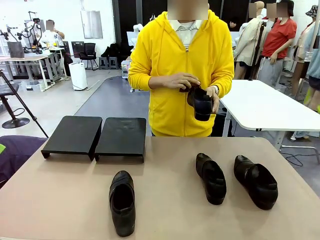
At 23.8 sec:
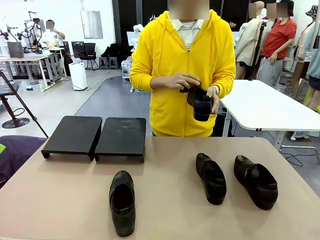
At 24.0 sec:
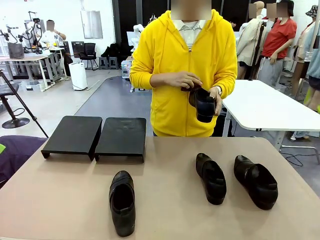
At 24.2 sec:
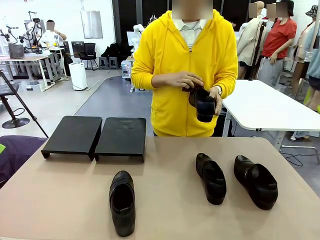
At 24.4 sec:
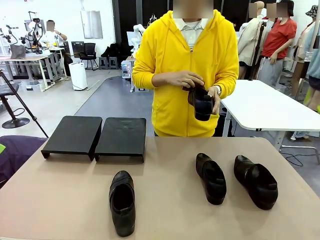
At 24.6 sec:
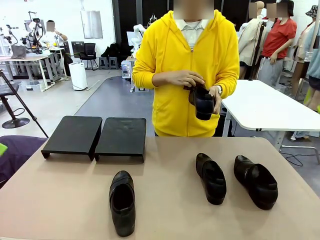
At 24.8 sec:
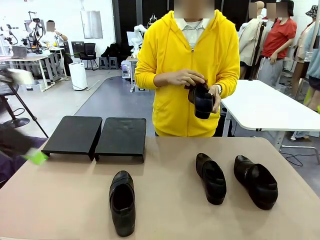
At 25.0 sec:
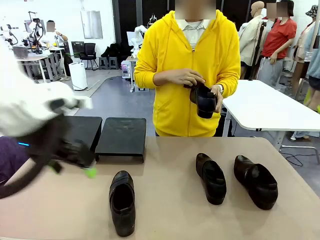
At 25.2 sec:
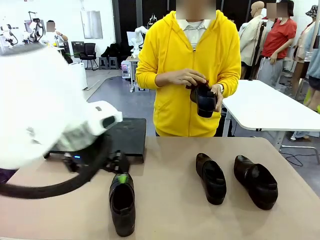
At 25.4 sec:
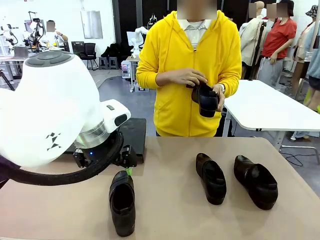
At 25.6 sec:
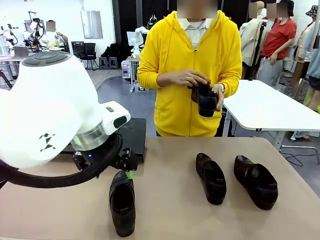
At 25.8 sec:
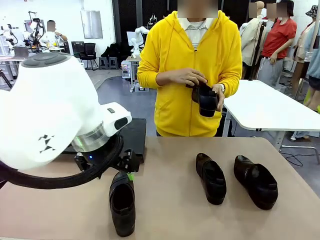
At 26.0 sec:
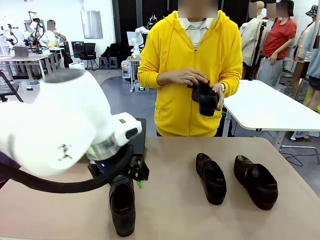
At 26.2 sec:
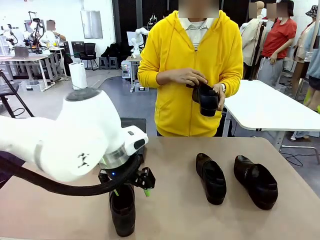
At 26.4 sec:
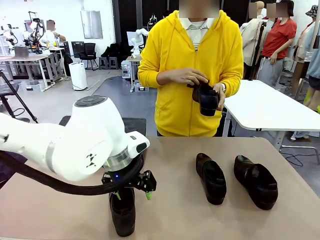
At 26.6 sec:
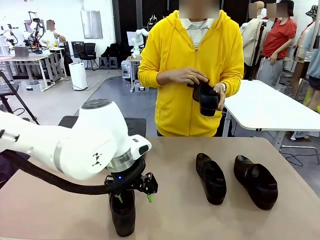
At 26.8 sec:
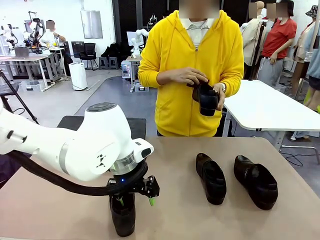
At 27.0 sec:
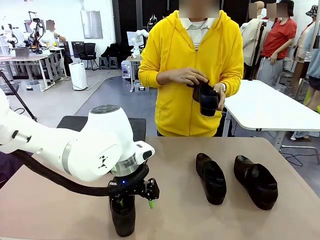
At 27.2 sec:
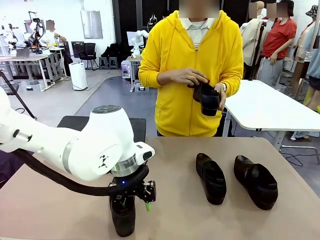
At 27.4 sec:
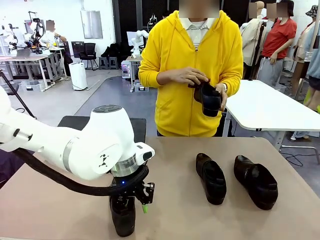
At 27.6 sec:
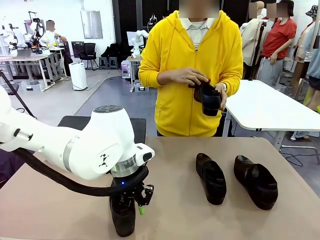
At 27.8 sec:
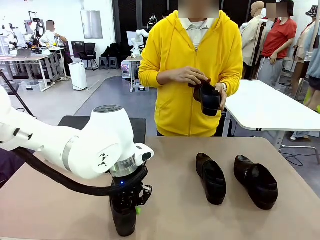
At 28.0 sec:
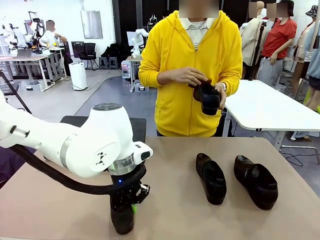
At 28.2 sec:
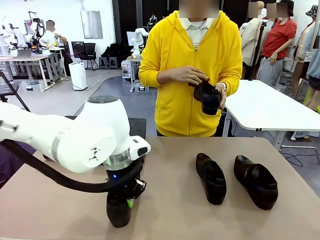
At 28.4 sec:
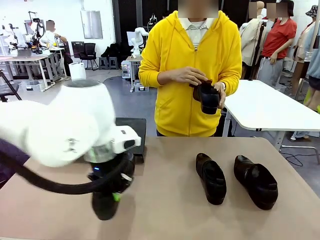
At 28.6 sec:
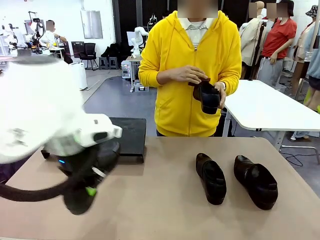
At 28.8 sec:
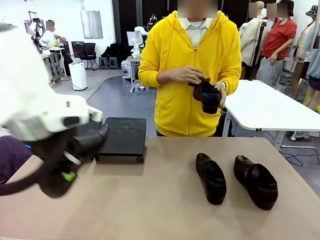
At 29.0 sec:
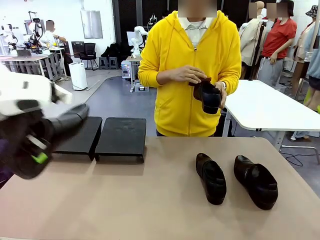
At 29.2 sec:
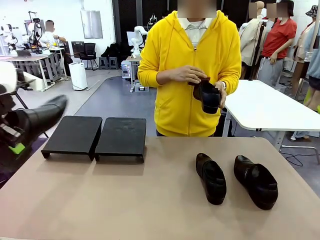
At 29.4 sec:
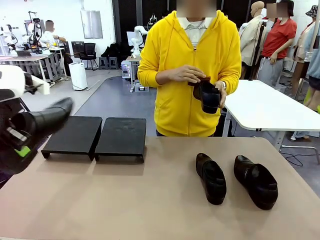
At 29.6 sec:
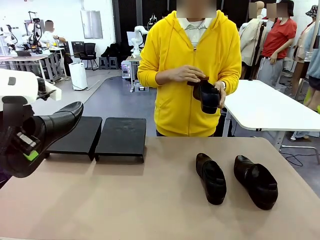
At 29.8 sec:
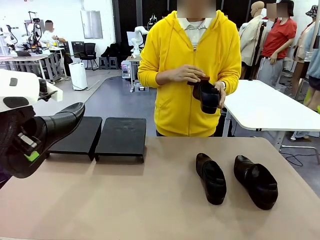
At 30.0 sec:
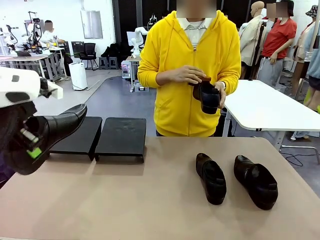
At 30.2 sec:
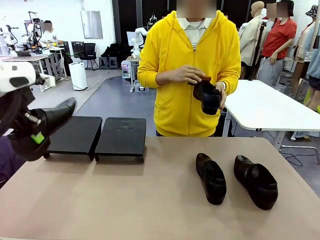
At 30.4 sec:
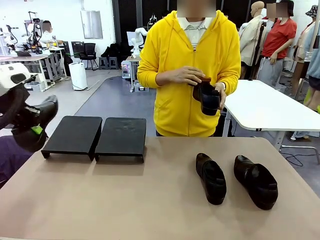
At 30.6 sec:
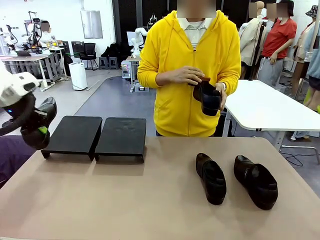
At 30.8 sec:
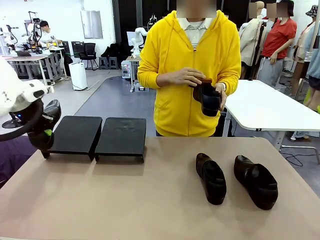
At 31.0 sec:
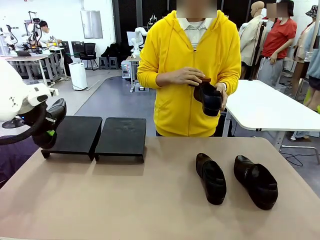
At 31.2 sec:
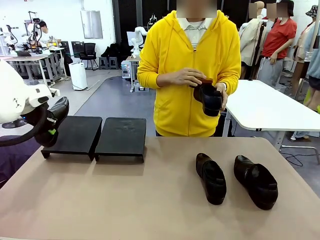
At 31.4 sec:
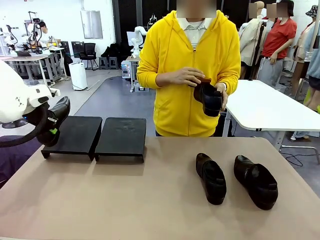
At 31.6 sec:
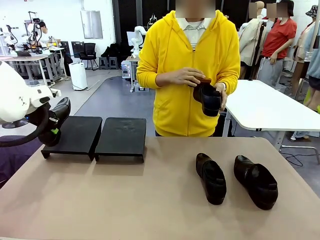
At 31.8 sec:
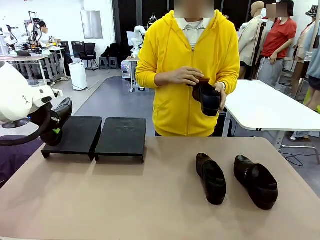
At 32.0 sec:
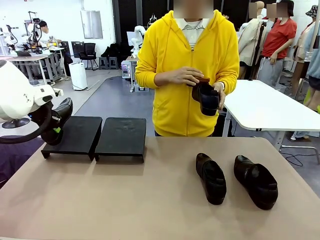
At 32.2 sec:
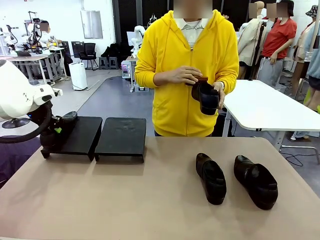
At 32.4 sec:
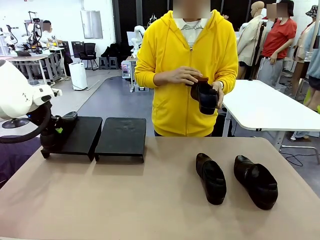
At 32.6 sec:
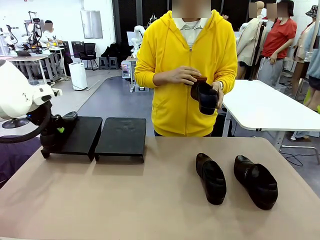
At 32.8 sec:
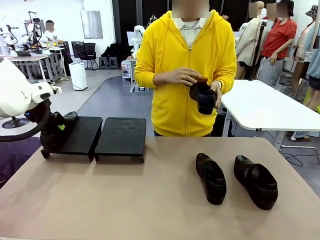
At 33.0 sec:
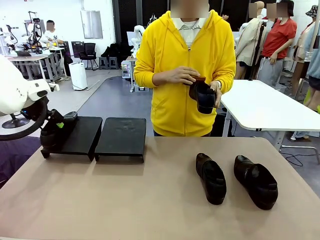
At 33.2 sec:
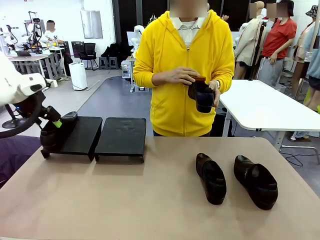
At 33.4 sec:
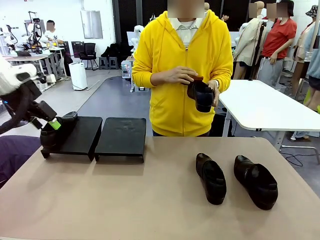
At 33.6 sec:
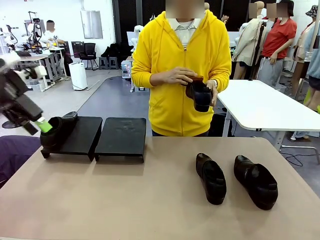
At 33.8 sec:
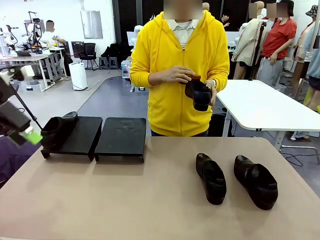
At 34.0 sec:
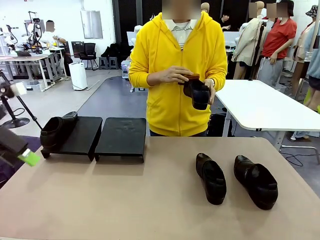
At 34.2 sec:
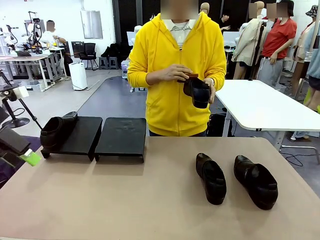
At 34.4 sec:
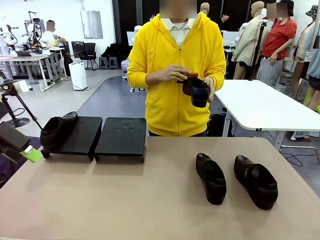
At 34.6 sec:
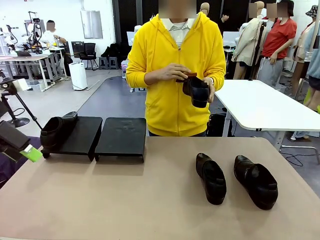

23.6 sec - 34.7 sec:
Task: Organize the shoes by placing them on the stand.
Robot: Place the Shoe from the middle of the table onto the Shoes Stand.
Person: Clean the Shoe with the Shoe Brush.

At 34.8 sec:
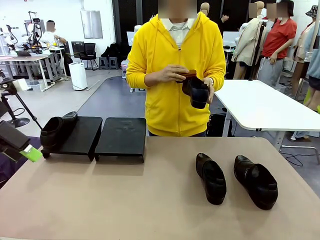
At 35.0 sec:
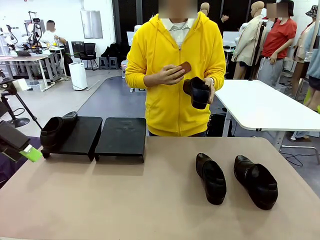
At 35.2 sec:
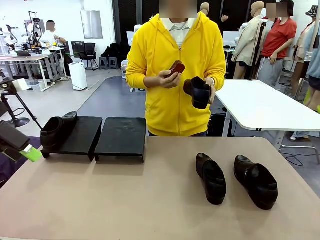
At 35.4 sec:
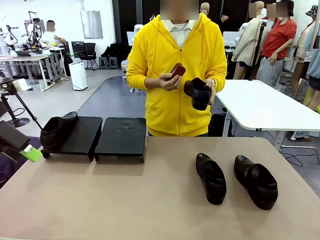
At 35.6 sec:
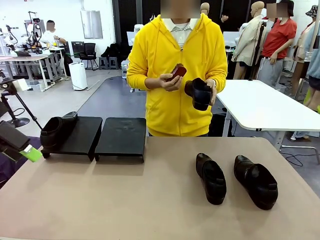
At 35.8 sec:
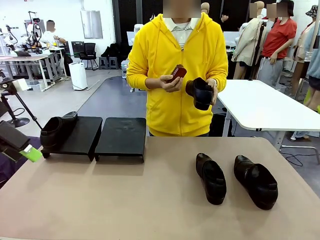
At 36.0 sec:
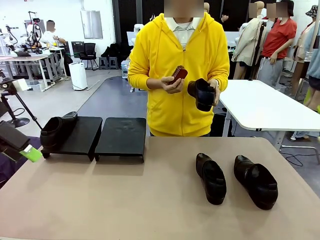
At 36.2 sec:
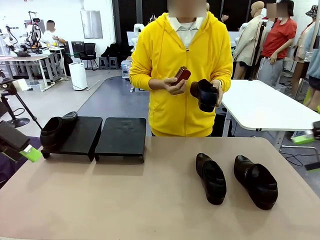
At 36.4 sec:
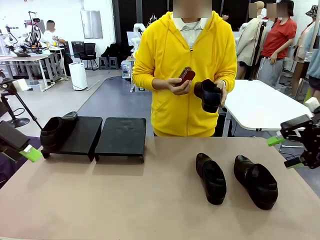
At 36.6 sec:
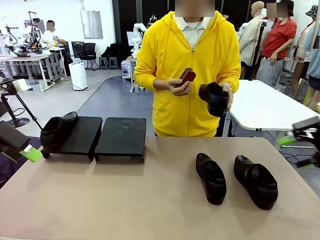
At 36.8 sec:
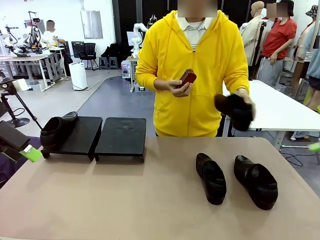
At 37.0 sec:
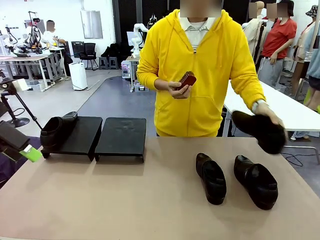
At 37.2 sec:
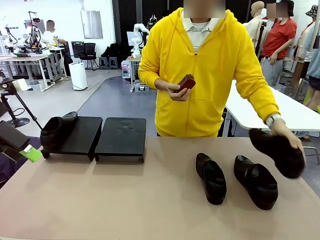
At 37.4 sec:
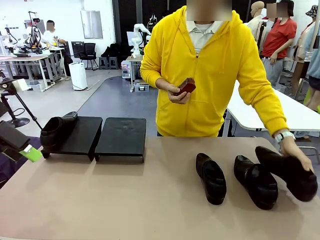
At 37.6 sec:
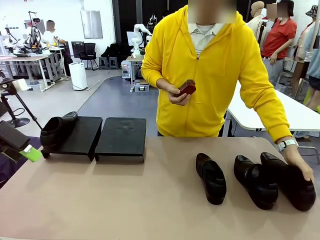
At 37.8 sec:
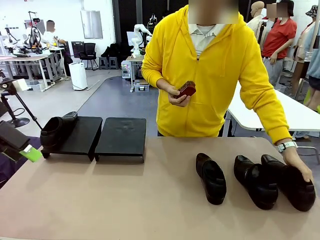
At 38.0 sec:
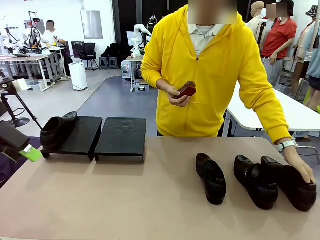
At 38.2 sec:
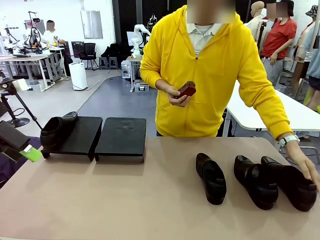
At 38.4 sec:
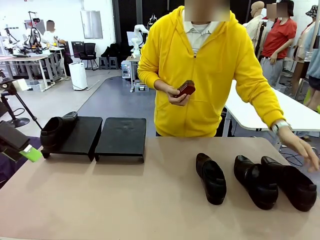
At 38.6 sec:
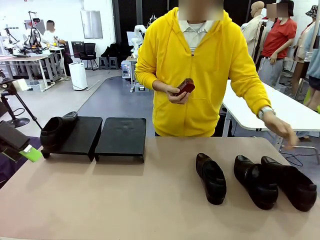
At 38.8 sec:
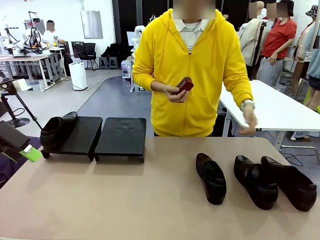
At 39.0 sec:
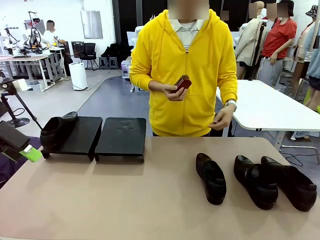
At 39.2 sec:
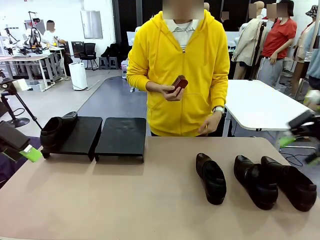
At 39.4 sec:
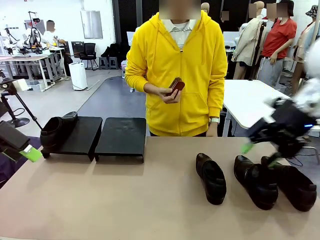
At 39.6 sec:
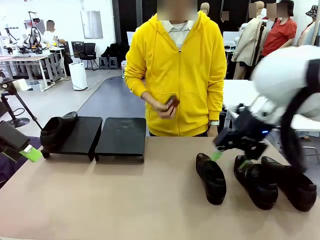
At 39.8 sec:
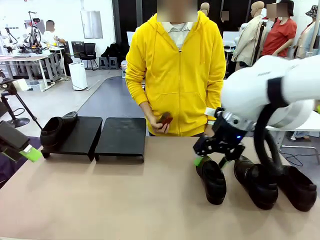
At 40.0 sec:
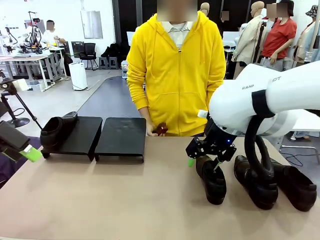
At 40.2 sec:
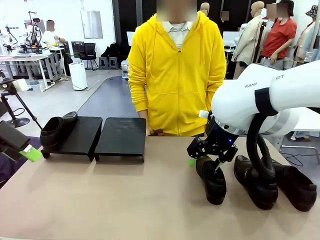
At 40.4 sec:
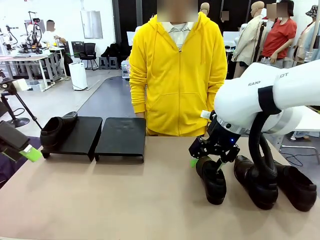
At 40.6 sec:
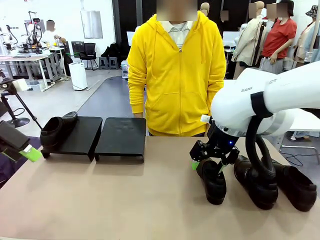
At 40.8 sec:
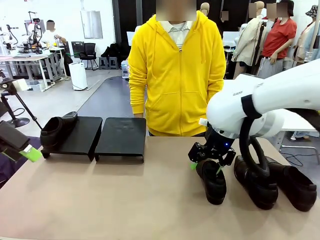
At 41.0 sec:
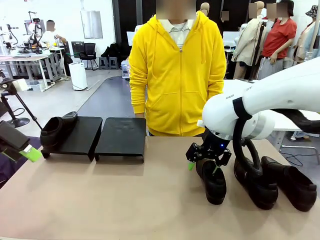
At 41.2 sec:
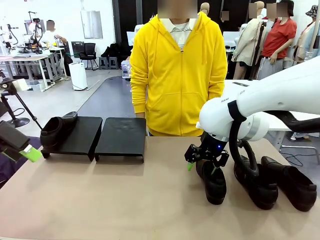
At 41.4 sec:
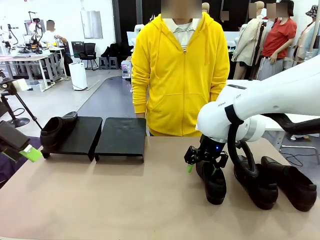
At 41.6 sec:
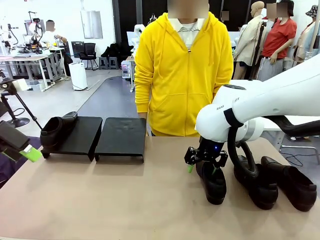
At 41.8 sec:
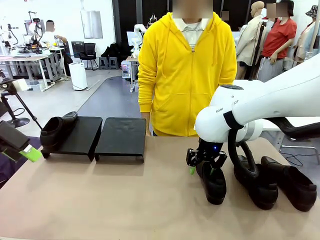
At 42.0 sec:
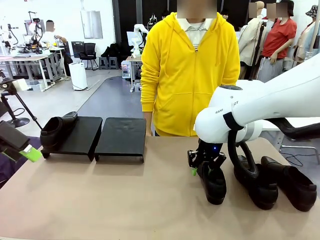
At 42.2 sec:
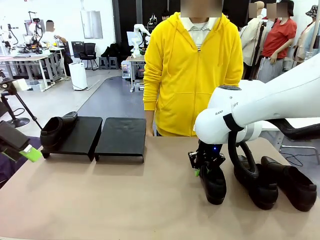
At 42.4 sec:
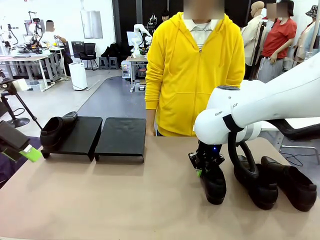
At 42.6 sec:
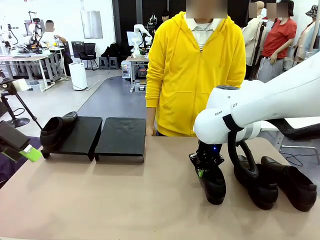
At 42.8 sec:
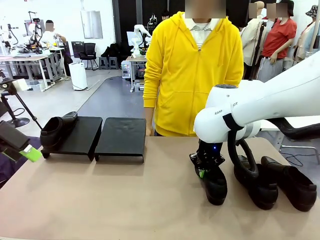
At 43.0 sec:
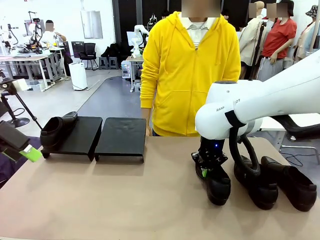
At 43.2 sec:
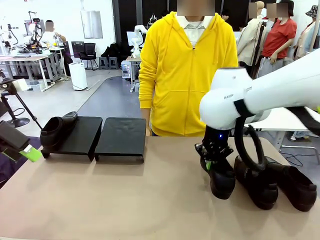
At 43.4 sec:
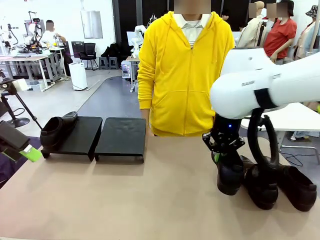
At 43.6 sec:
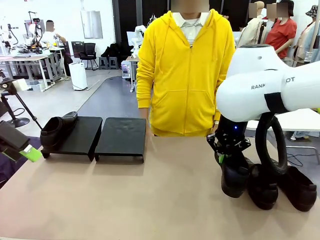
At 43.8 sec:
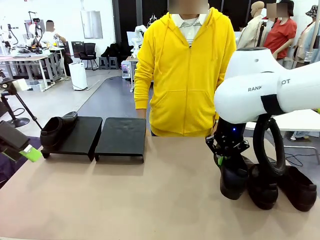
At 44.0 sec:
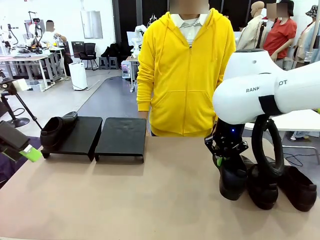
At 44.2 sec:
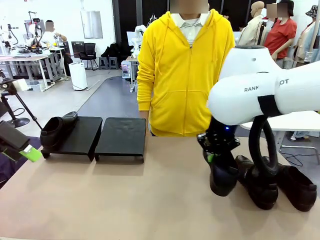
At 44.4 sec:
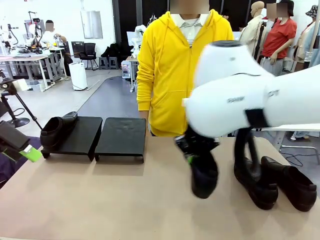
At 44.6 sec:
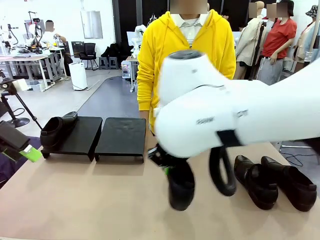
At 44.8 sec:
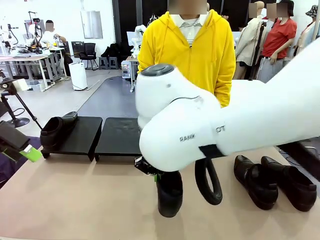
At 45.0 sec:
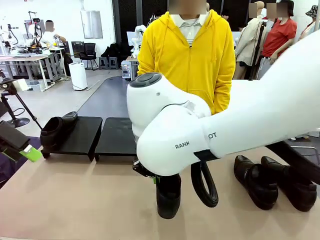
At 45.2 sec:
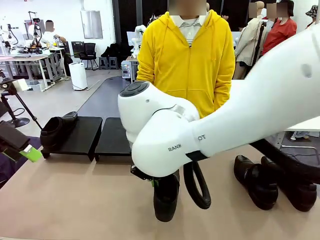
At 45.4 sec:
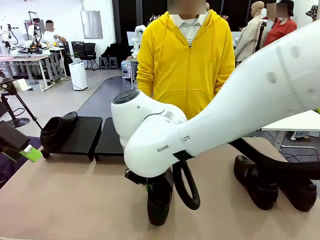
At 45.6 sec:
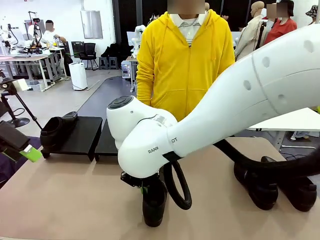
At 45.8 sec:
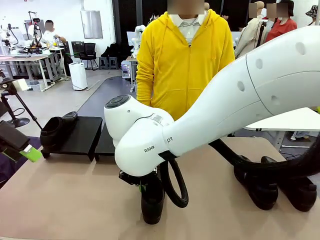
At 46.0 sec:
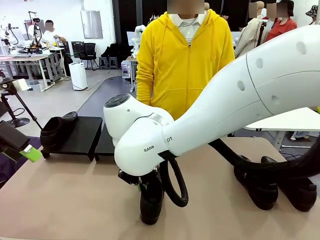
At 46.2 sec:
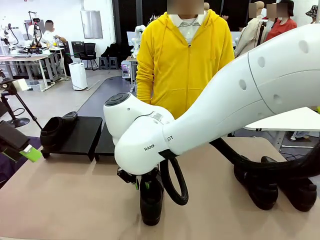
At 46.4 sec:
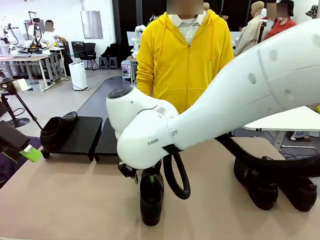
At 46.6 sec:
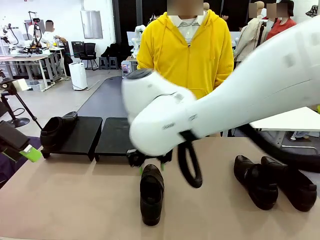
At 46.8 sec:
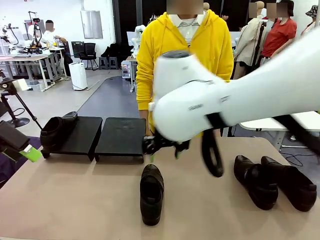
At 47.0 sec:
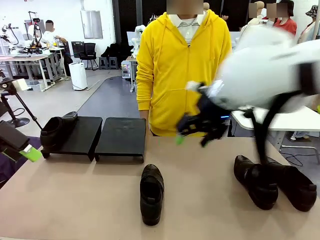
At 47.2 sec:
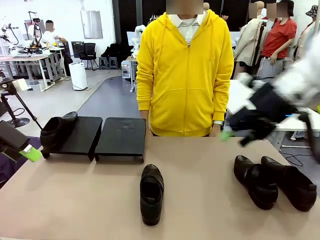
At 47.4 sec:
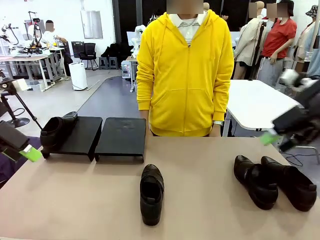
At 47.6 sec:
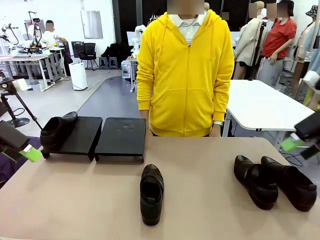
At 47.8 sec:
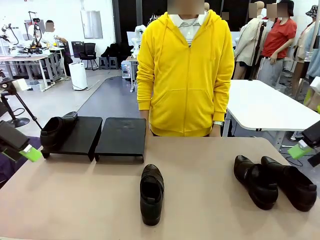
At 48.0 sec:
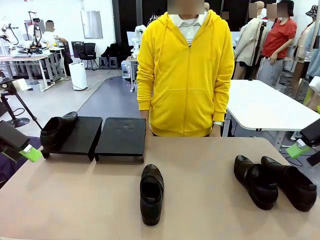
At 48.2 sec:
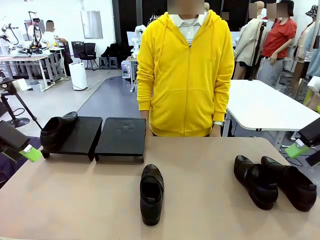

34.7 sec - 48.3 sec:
Robot: Pick up one Shoe and place it in the middle of the table.
